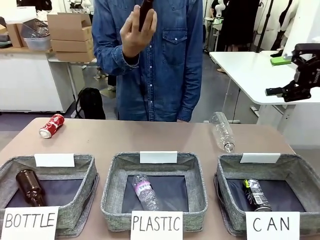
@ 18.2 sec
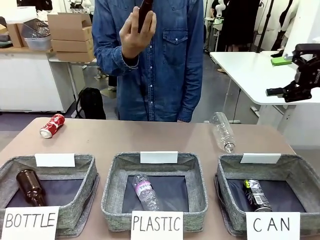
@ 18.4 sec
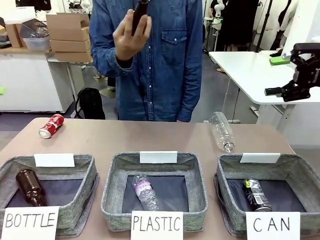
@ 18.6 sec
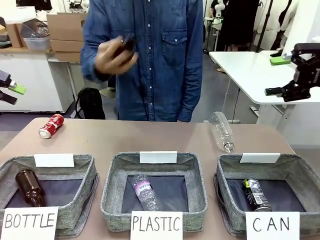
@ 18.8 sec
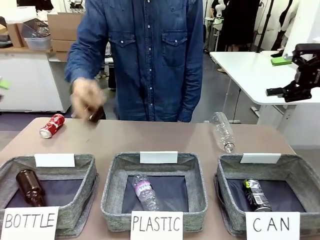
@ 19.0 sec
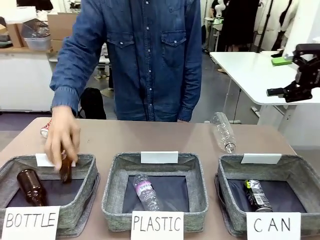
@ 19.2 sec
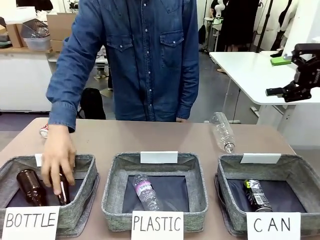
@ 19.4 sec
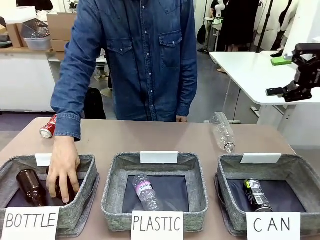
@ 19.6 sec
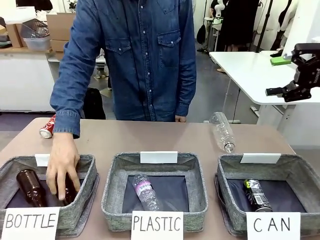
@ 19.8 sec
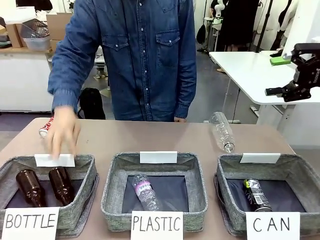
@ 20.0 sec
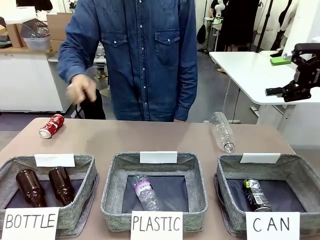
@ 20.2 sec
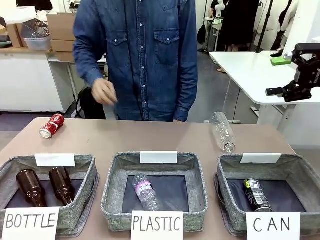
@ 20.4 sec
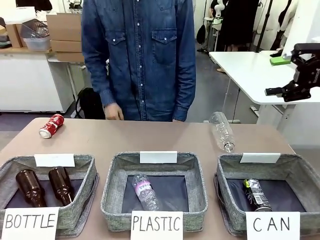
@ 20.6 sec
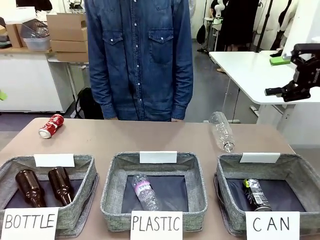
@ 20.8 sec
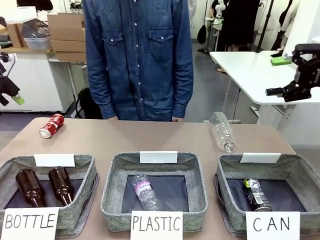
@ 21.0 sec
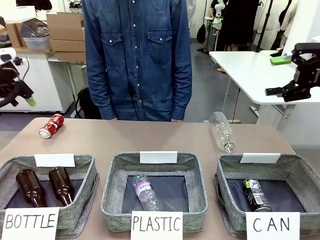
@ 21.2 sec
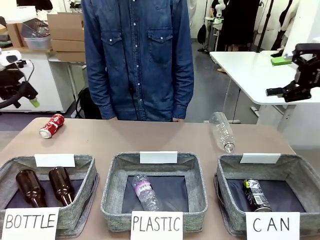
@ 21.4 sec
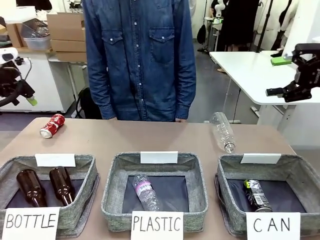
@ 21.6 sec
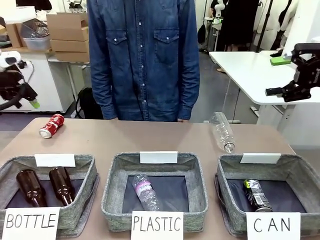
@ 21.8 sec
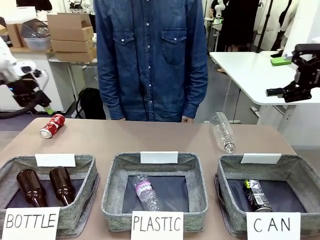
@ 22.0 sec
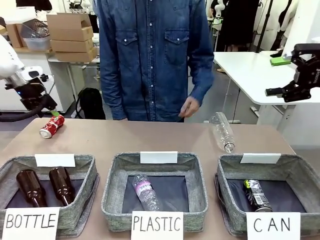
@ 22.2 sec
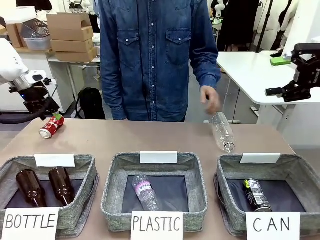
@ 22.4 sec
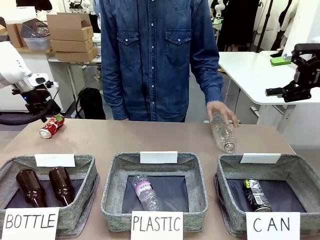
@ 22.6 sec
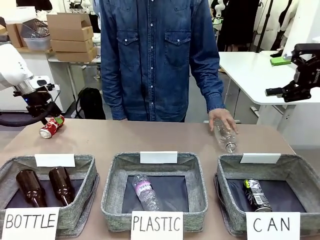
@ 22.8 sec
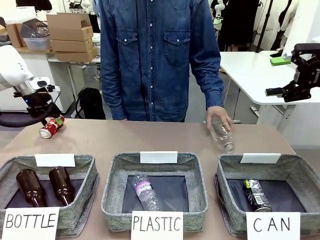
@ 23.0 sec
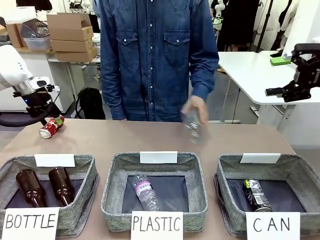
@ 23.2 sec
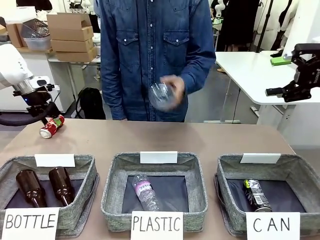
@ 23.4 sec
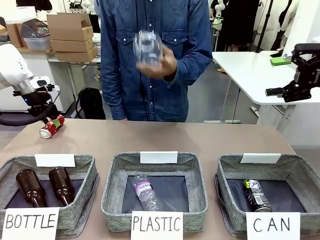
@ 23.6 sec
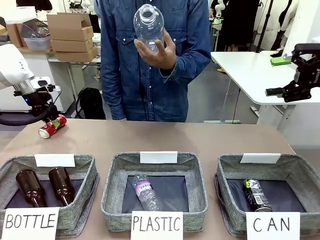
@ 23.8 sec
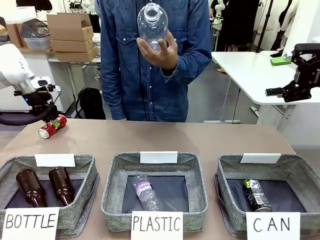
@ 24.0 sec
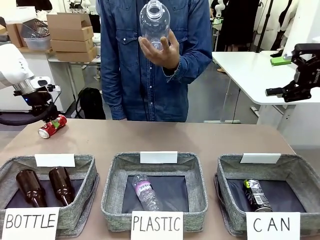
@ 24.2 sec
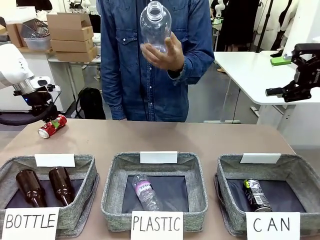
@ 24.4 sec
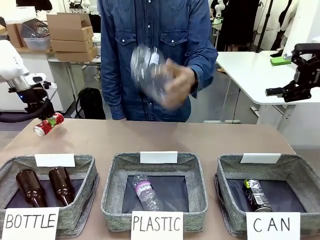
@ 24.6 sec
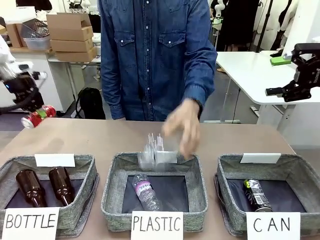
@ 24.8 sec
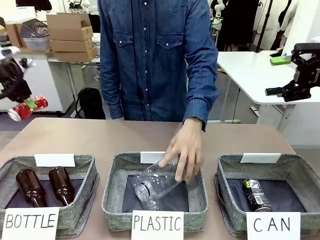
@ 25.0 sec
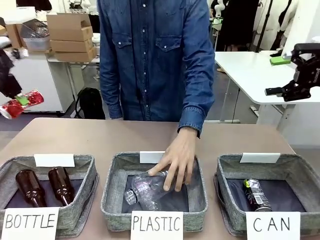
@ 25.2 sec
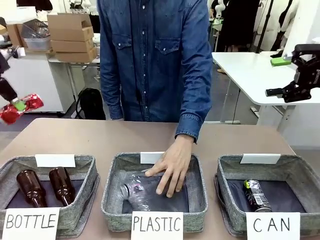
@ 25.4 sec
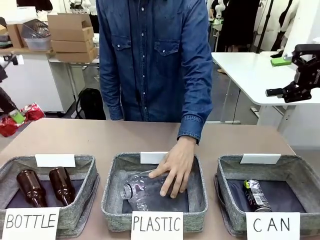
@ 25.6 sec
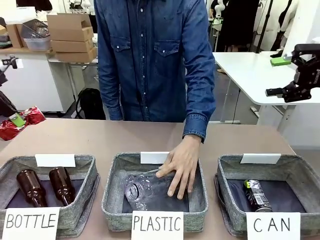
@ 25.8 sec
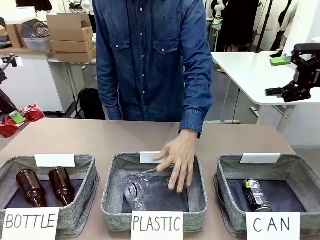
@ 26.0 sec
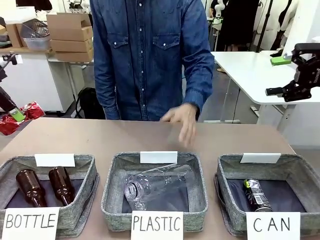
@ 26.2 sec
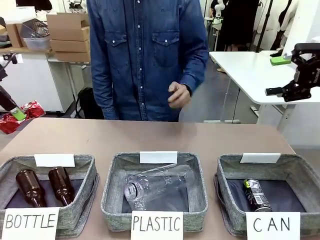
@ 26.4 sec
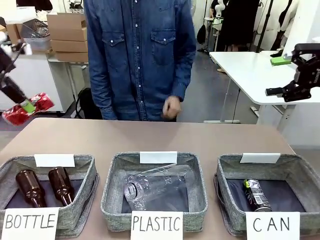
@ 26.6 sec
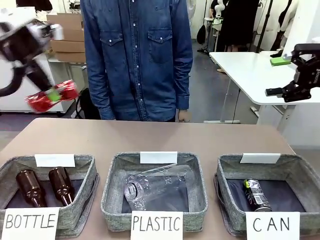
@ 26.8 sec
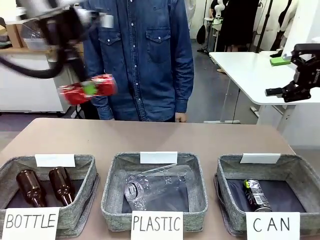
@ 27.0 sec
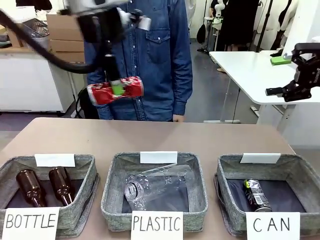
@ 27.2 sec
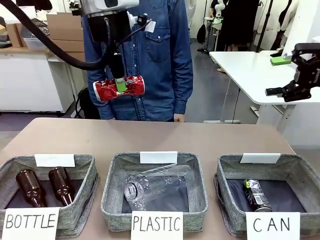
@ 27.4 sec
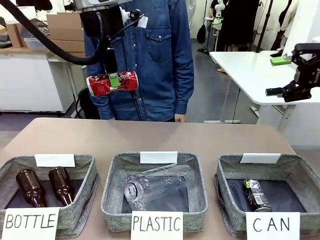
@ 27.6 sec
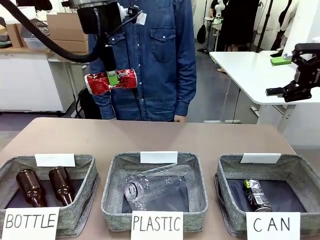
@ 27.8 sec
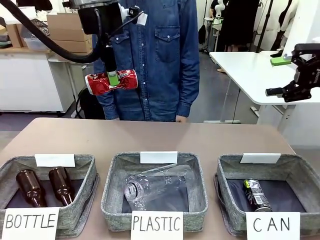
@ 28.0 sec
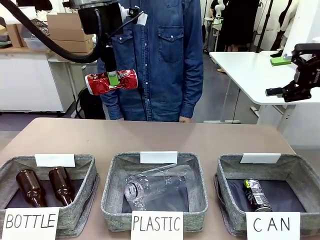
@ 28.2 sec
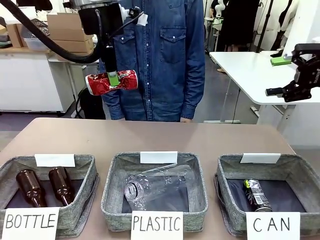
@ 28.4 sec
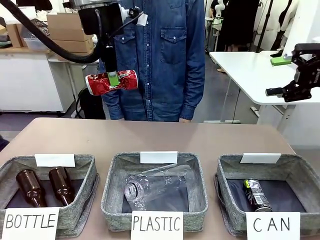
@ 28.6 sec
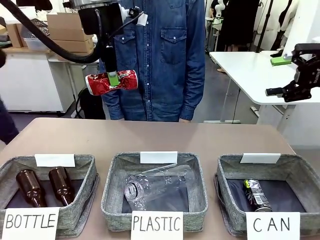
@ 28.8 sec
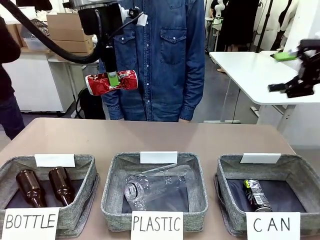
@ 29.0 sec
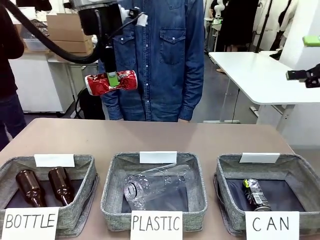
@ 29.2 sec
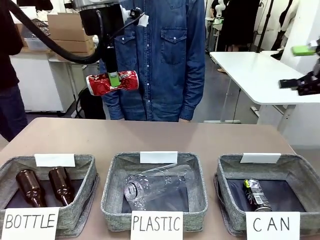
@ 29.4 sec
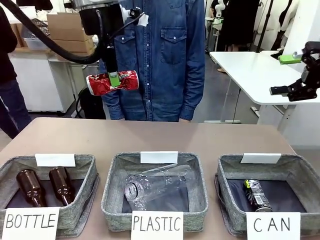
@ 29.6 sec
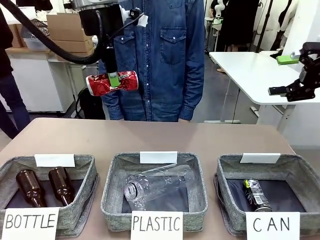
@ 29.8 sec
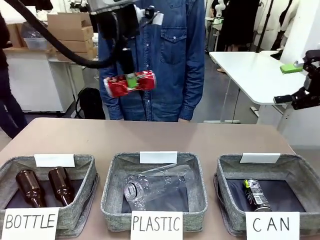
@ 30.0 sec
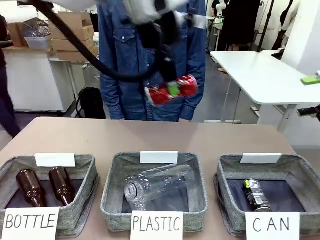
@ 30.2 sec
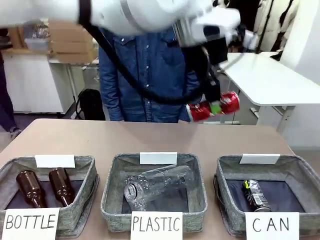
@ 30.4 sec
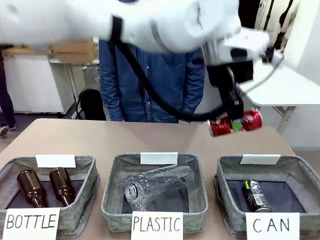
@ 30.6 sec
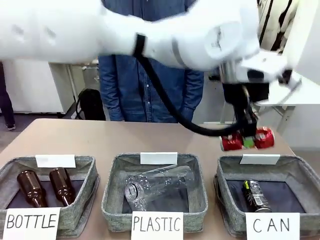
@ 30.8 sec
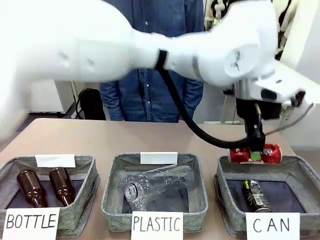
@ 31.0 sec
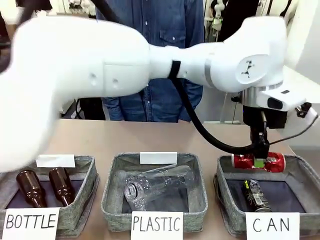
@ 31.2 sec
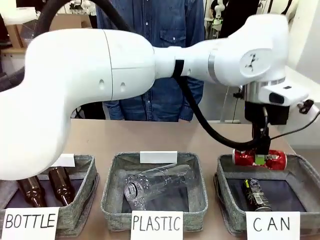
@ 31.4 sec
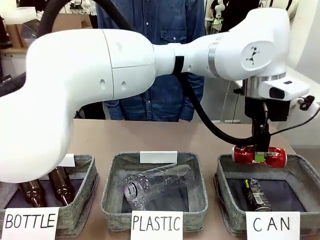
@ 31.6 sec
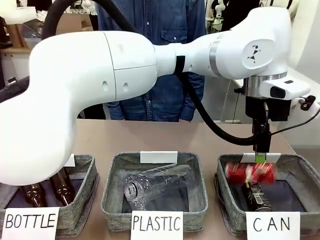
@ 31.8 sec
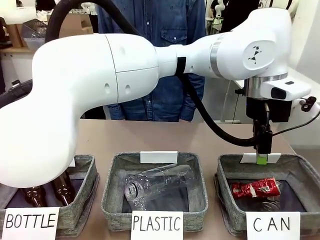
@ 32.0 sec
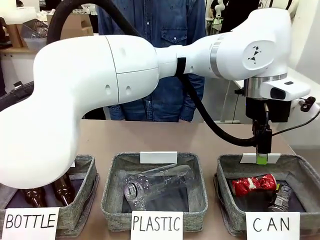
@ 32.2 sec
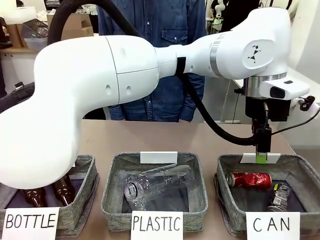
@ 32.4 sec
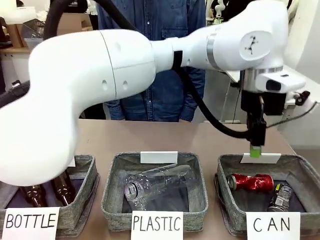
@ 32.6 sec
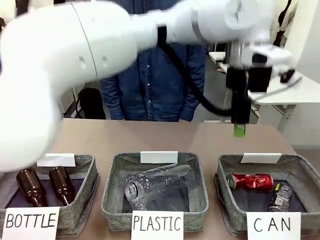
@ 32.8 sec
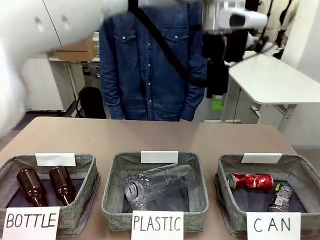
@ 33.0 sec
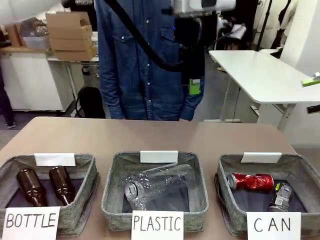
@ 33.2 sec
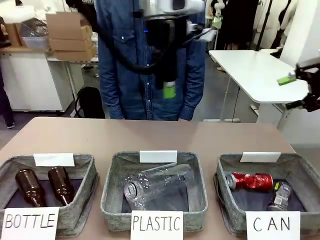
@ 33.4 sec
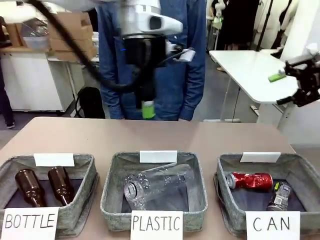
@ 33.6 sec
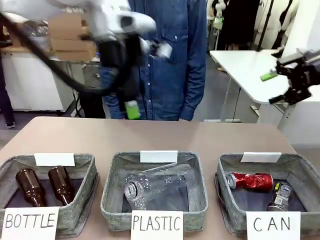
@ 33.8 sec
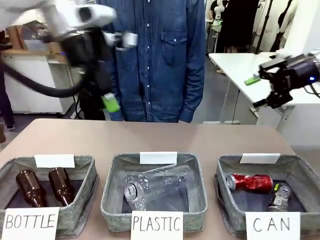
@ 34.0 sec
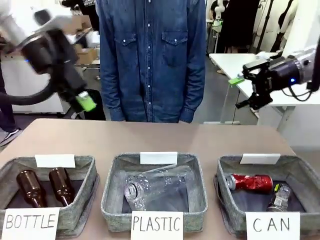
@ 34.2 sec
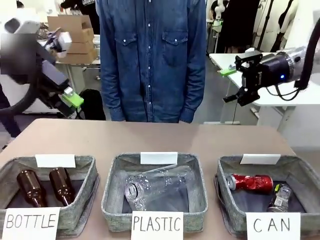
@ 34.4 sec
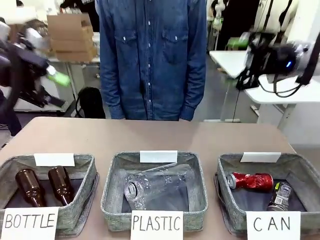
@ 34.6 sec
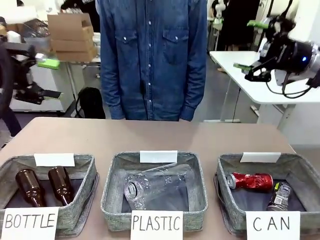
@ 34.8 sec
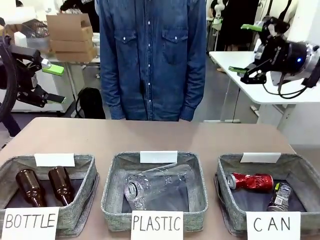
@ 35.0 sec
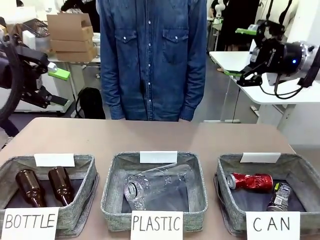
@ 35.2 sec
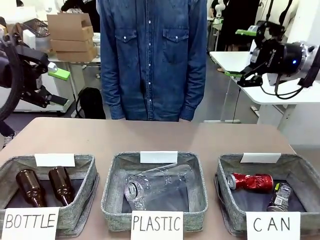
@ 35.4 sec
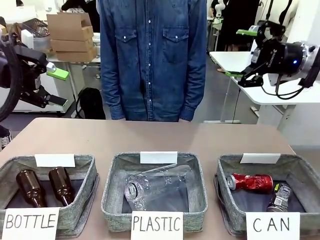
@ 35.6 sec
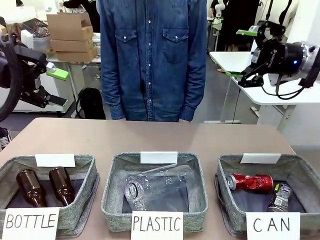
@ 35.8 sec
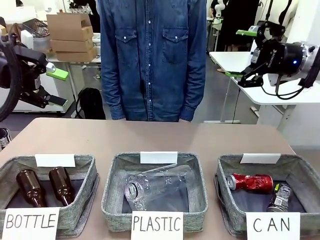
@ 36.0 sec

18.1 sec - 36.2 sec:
Task: Sort the can waste into the basket.
Robot: Pick up the can waste from the table and place it in the right Fabric basket.
